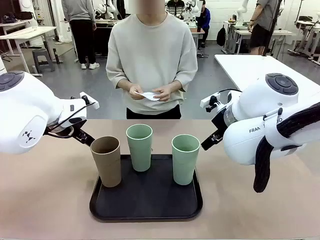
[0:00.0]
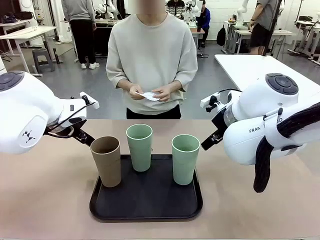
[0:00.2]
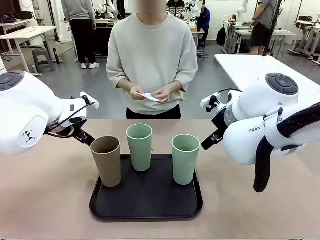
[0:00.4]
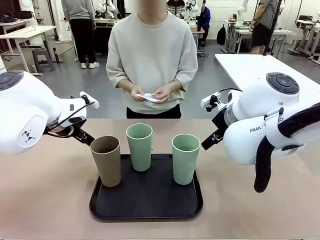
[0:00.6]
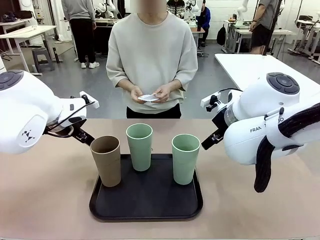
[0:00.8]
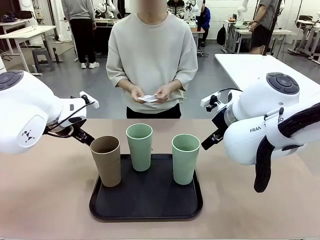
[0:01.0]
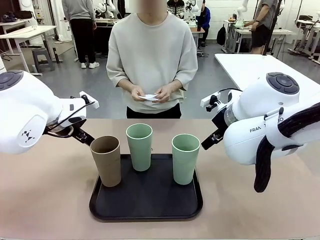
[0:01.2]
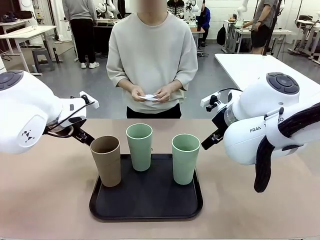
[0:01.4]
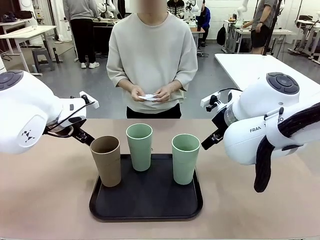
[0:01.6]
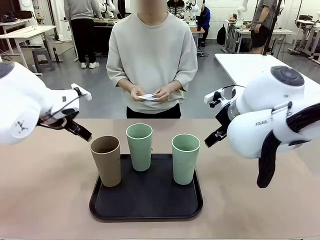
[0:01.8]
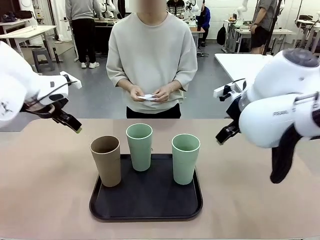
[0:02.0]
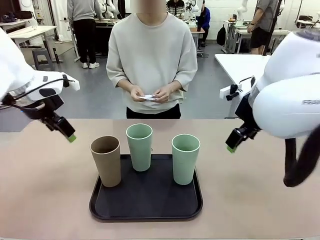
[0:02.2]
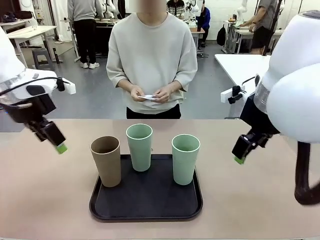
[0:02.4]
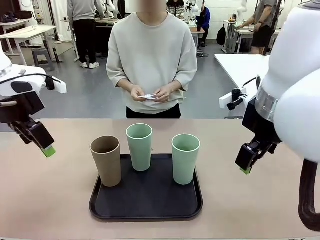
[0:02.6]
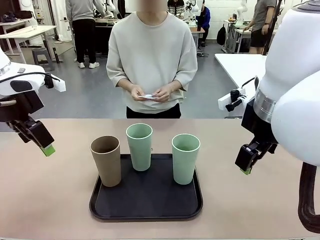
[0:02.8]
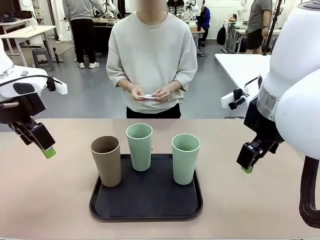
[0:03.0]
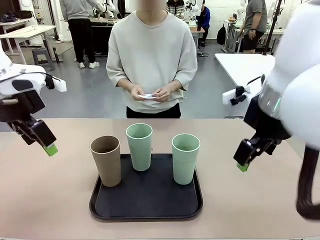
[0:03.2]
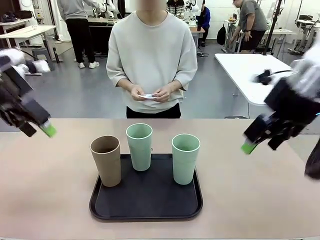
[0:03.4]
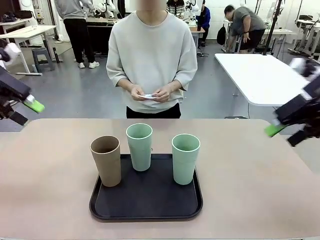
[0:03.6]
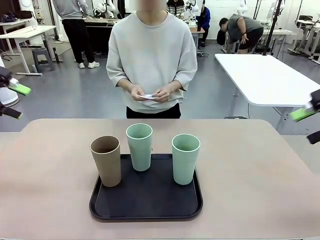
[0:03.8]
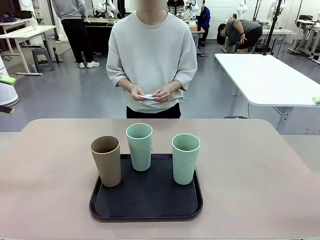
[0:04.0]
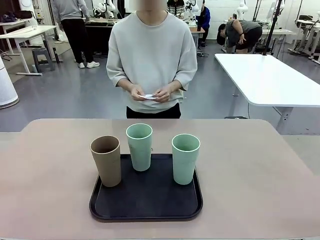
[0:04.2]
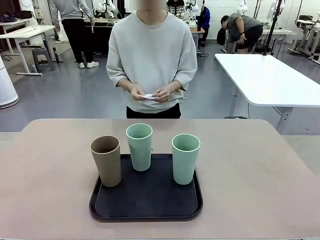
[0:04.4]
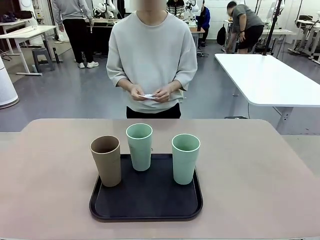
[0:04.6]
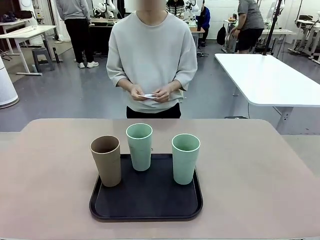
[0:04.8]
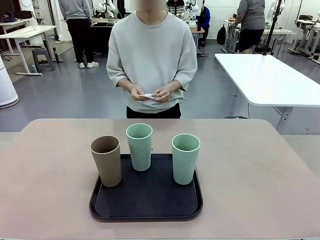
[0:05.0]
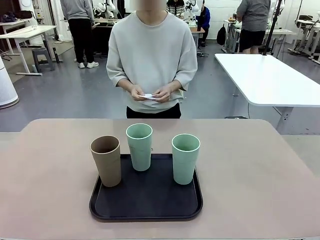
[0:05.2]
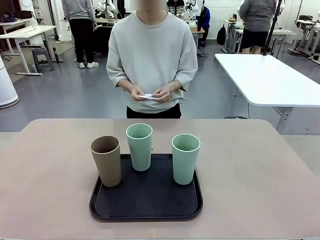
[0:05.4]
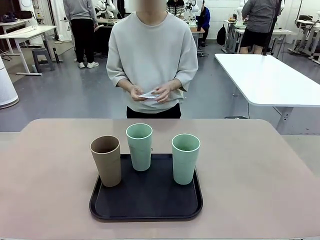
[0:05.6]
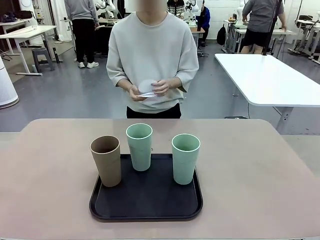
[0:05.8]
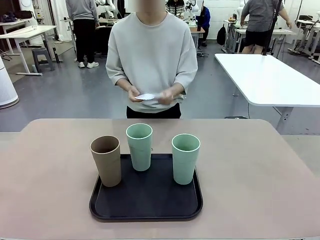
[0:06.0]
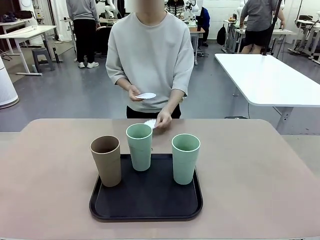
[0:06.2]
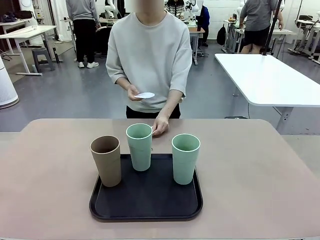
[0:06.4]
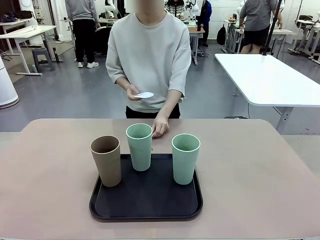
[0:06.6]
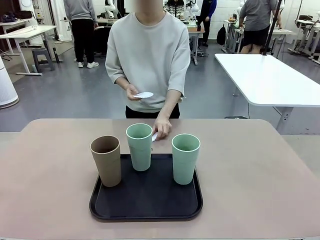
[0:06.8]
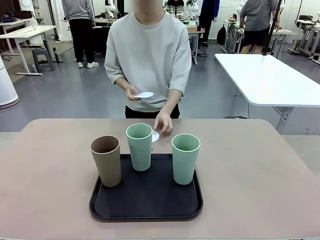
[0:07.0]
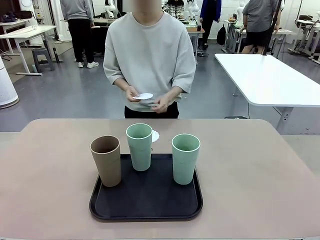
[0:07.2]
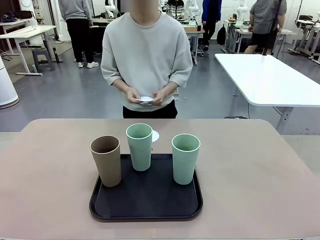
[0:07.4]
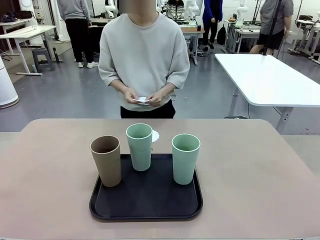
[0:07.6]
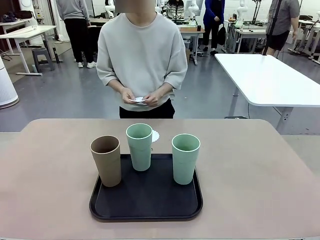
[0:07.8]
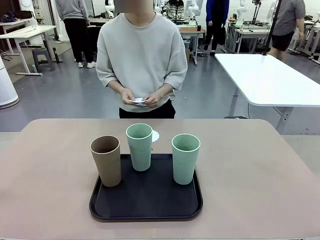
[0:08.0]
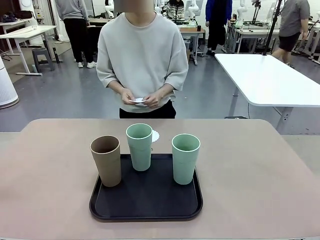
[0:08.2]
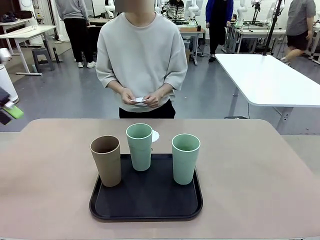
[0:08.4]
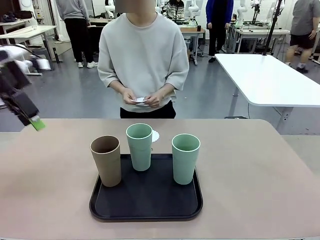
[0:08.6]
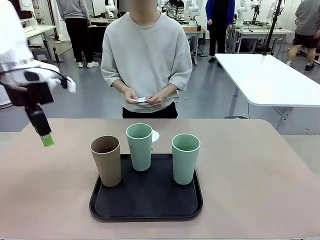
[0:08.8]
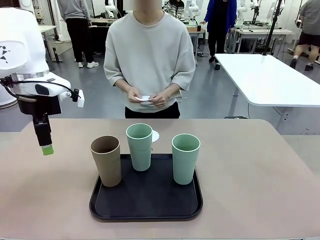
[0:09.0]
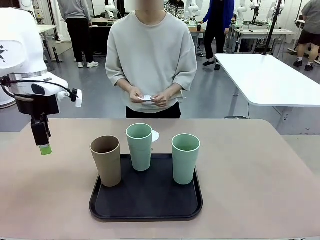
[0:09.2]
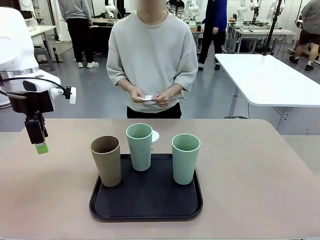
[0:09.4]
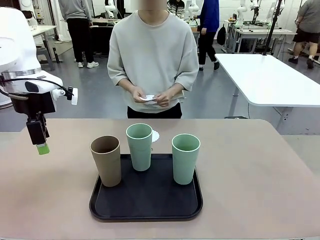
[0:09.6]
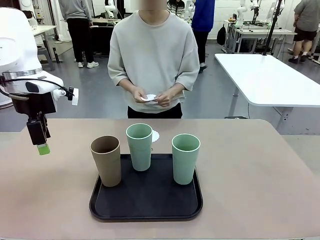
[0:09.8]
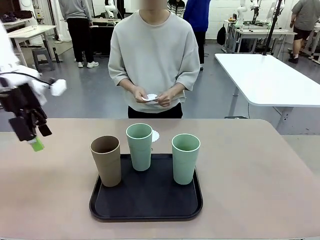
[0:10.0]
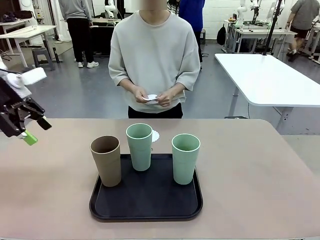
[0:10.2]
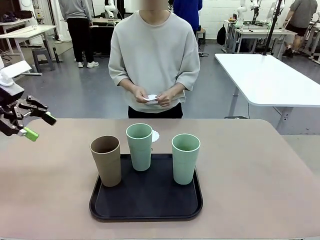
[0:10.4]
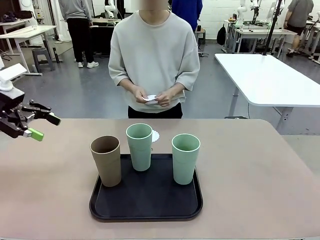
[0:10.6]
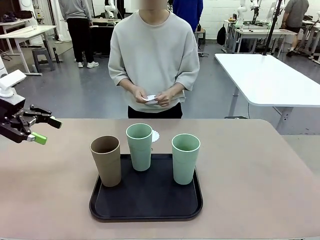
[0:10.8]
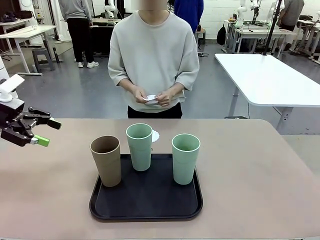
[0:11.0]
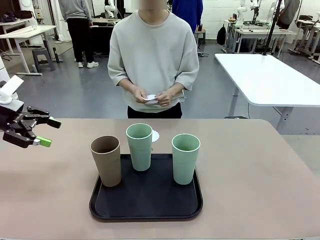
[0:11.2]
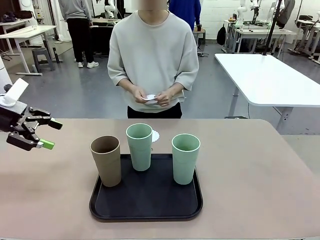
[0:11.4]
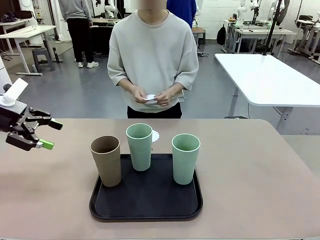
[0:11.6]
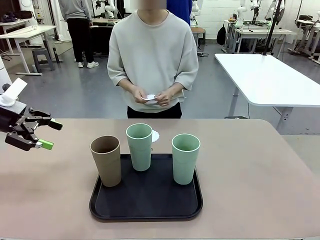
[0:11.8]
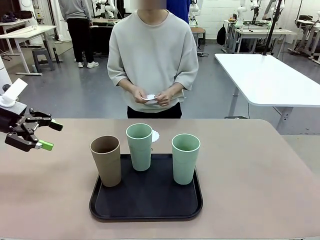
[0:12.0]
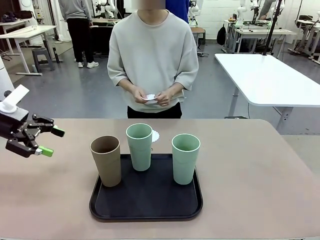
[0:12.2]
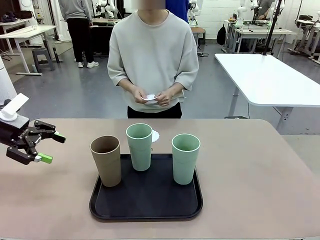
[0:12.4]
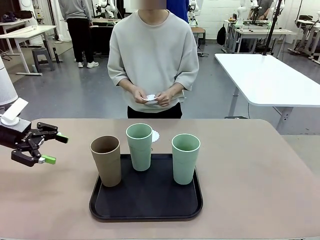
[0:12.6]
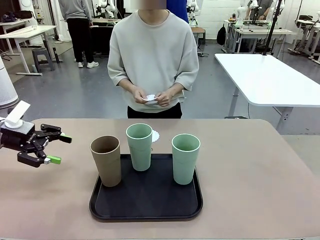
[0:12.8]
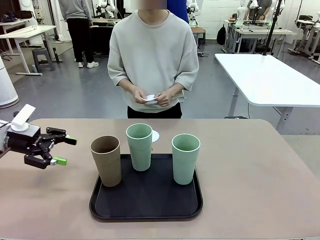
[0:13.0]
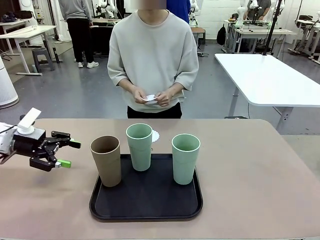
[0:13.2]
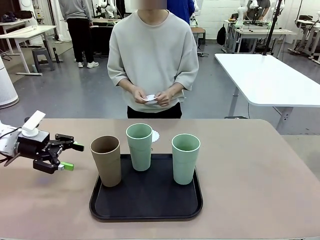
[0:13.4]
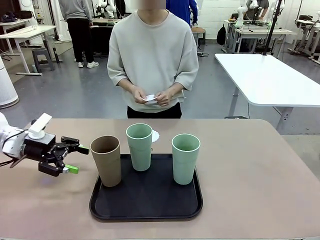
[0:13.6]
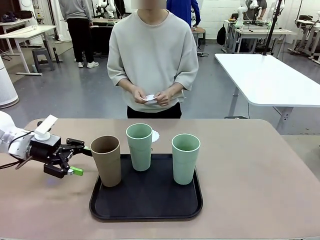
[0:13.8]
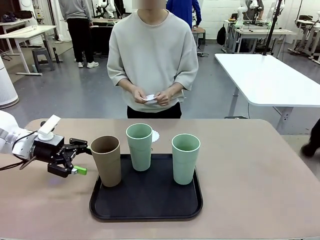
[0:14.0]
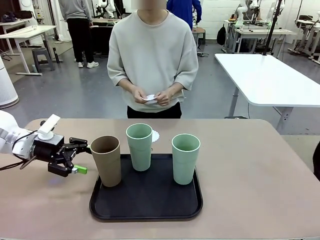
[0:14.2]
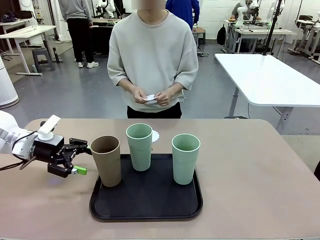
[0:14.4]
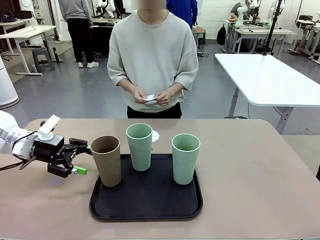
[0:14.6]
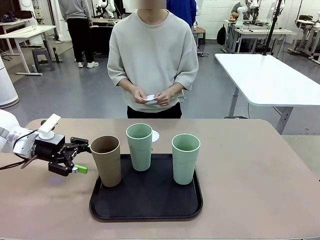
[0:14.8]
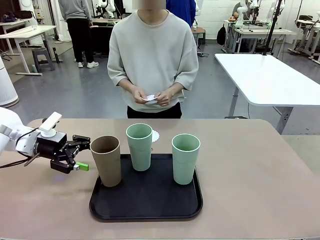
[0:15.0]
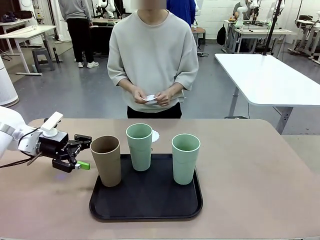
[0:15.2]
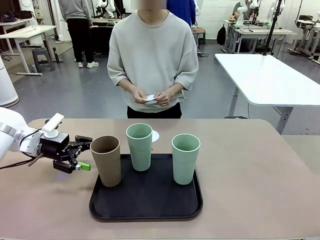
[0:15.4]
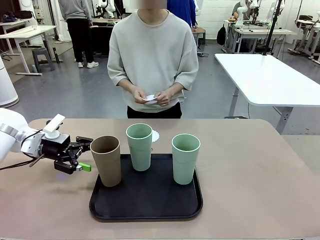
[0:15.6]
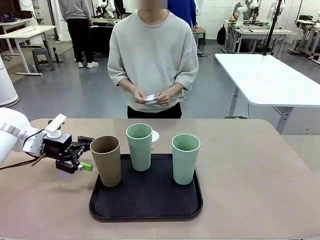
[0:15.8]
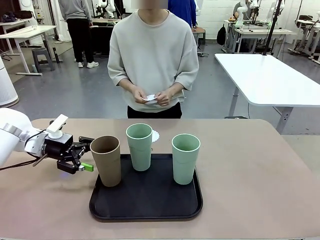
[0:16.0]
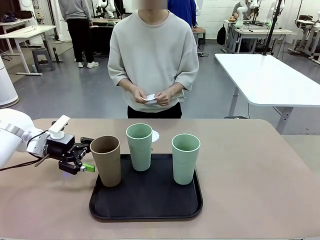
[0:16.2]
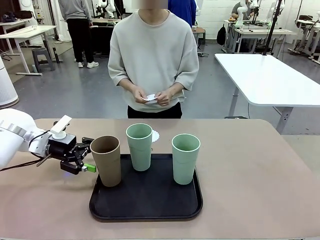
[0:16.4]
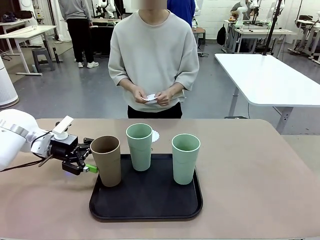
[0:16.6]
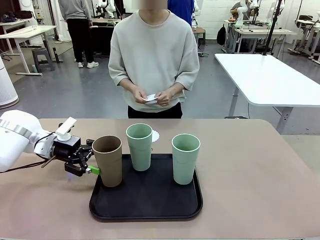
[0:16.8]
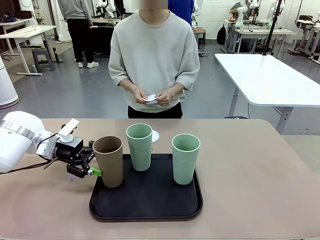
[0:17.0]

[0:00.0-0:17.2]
Task: Place coasters on the table and set cups on them.
Robot: Pick up one Reusable plastic cup and place it on a coaster set by the human.
Person: Place one coaster in any one of the three lower areas of the robot table (left, center, or right).
